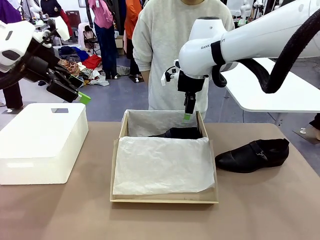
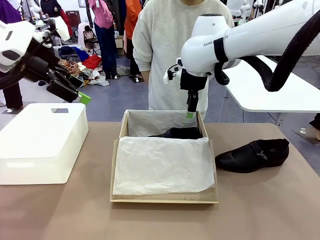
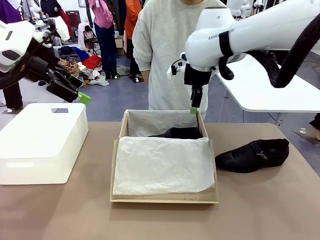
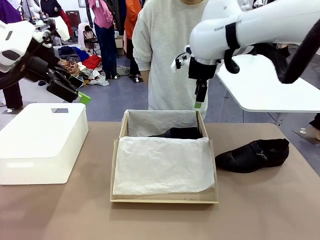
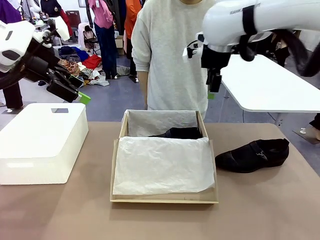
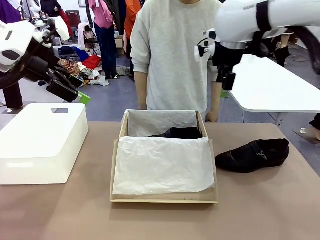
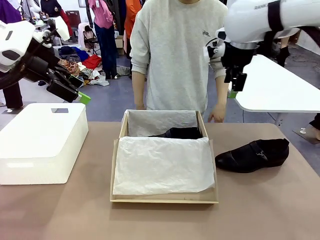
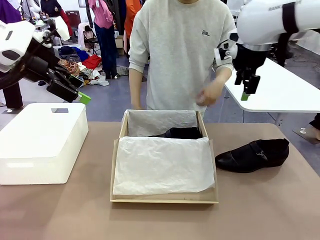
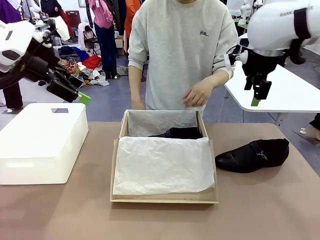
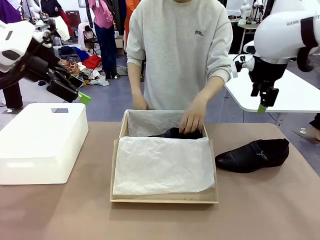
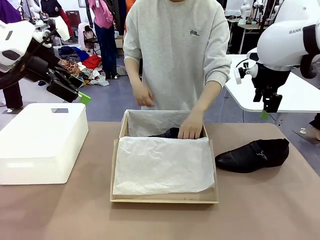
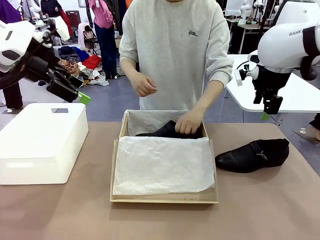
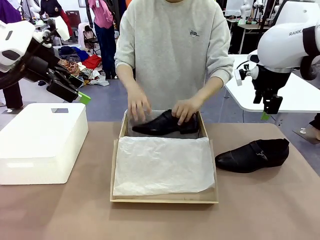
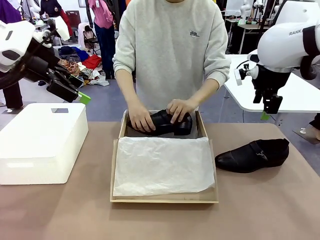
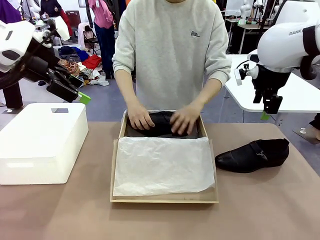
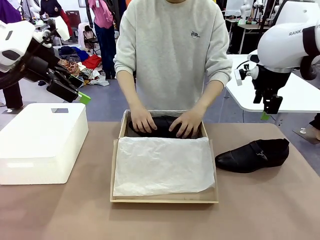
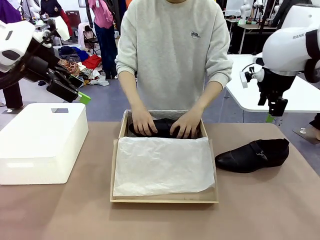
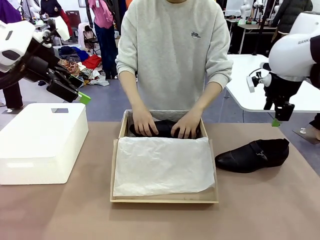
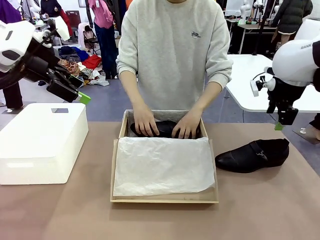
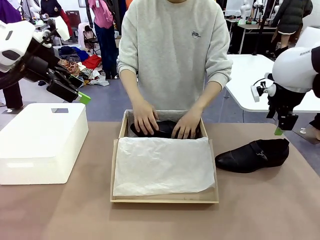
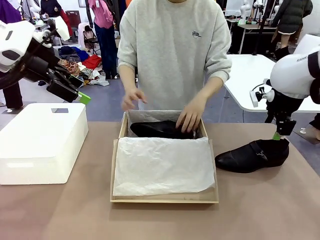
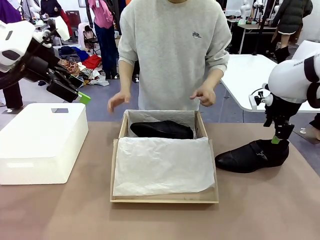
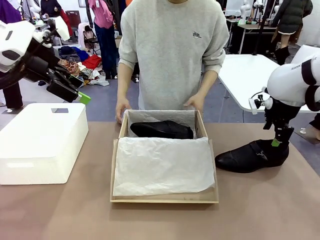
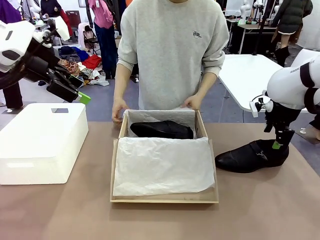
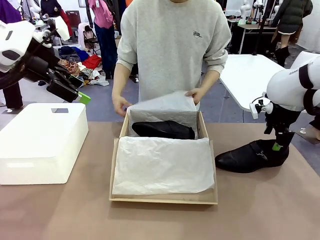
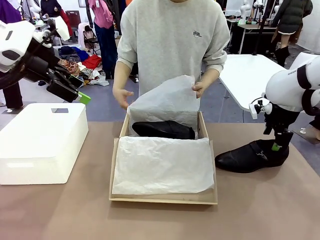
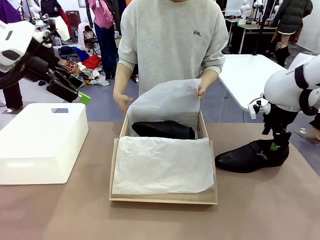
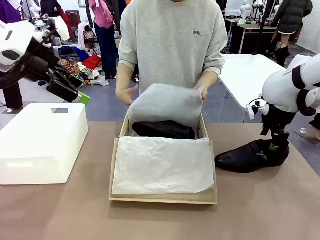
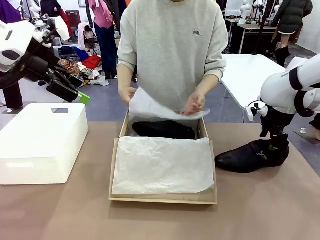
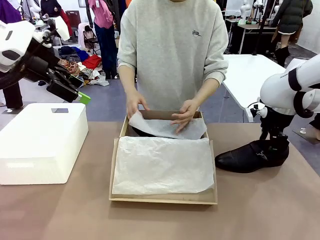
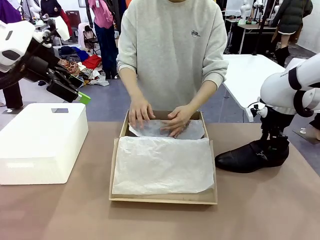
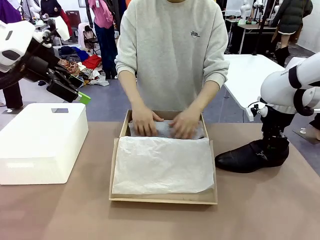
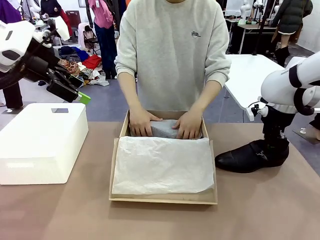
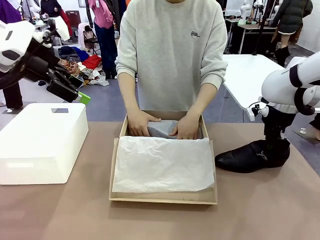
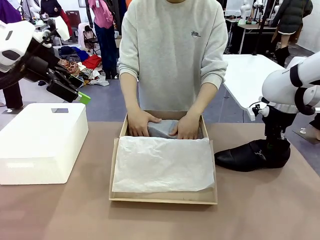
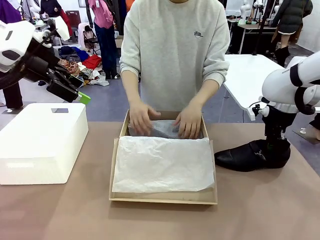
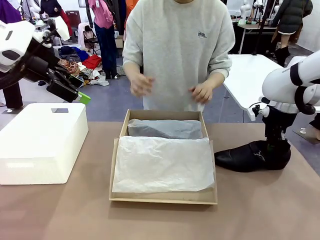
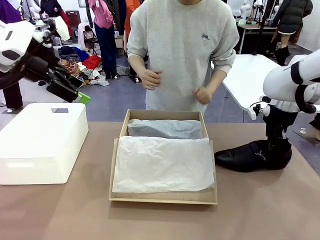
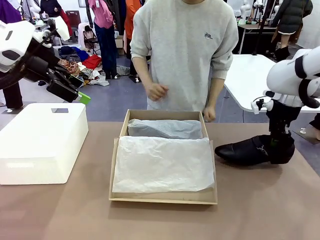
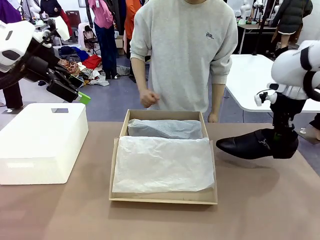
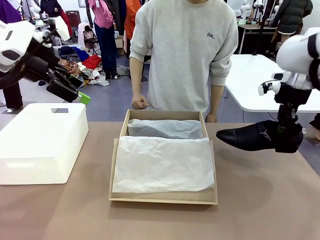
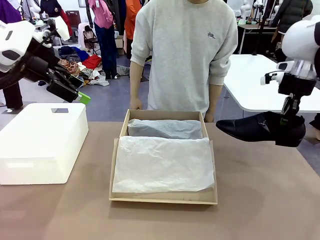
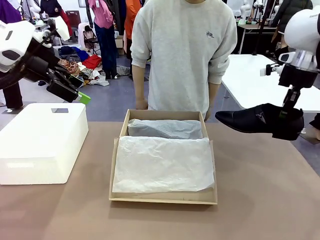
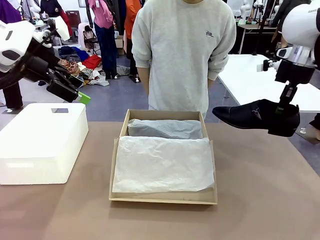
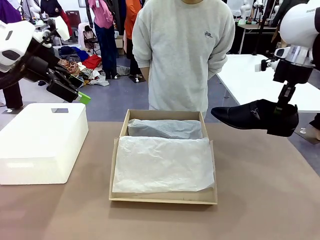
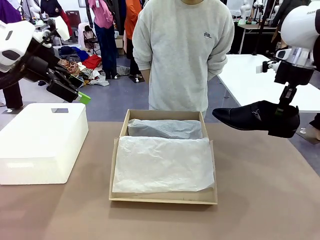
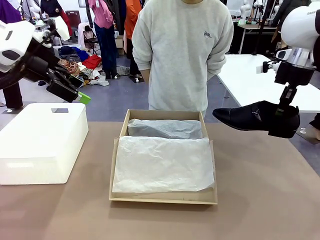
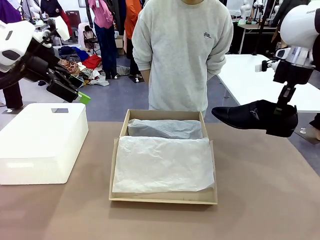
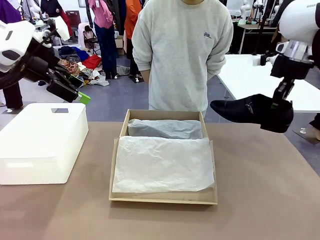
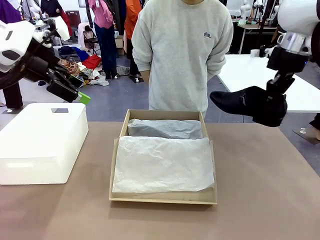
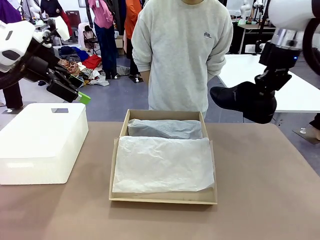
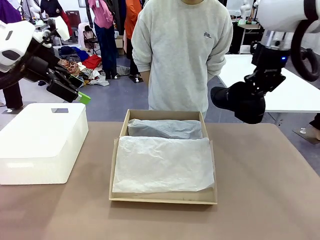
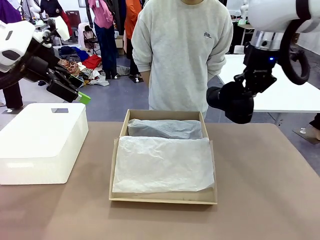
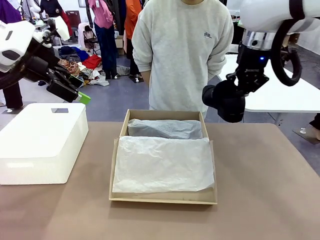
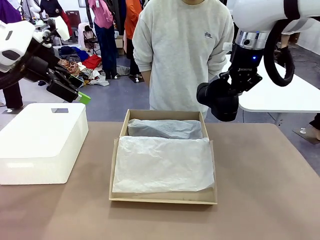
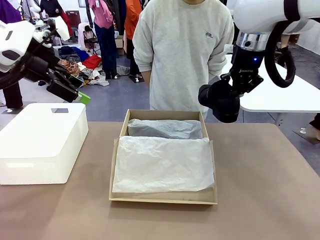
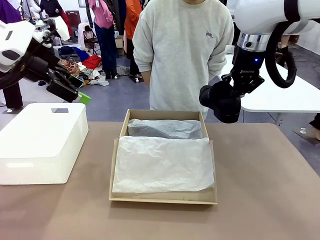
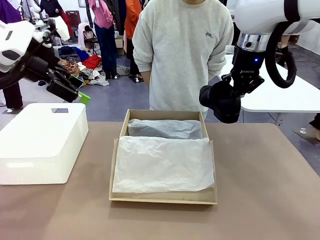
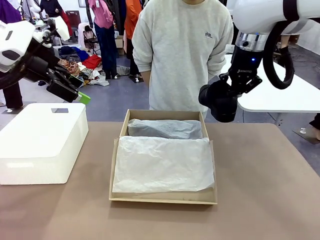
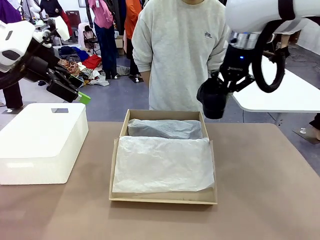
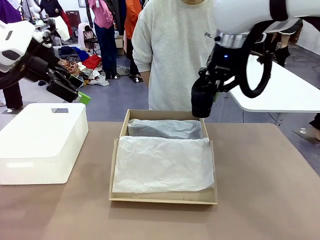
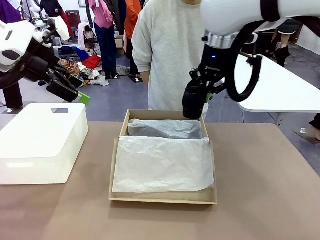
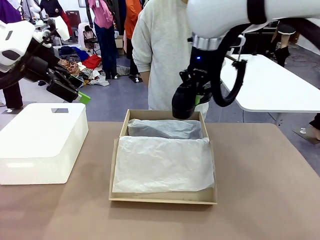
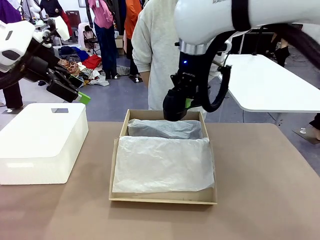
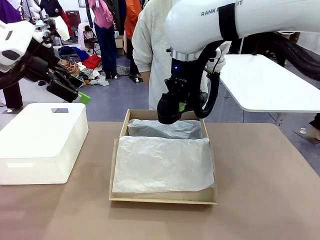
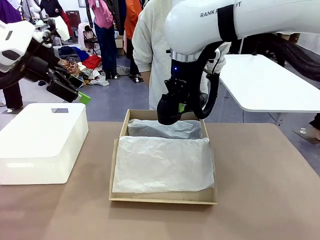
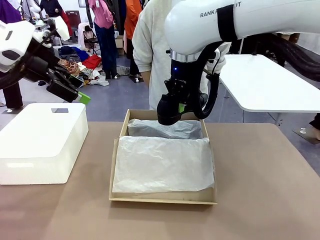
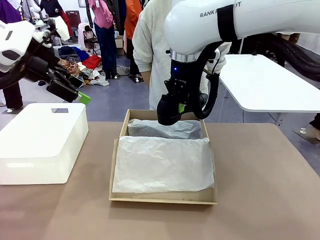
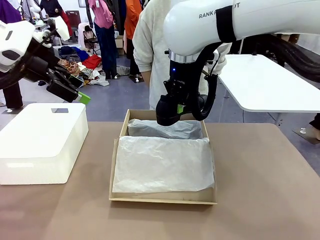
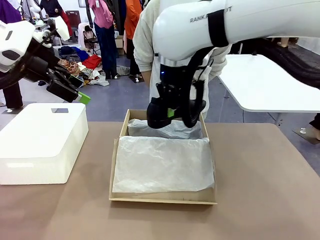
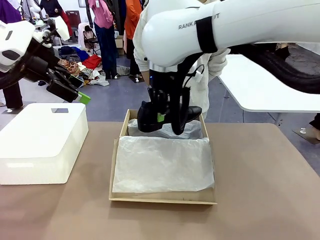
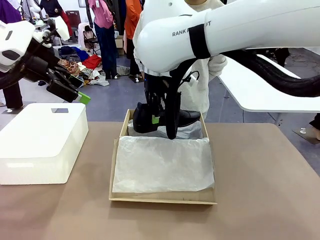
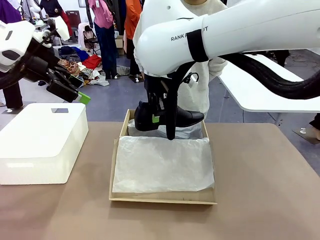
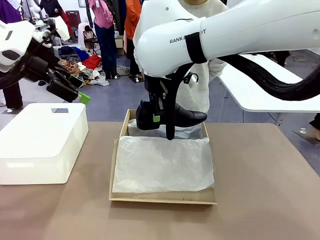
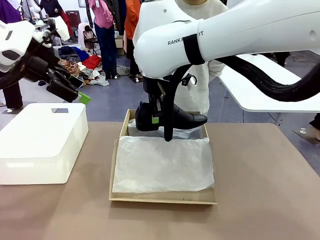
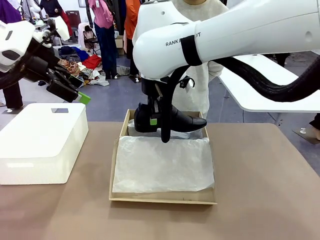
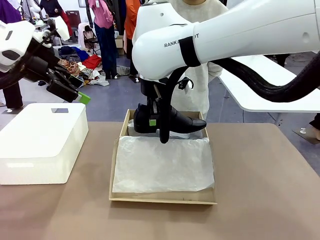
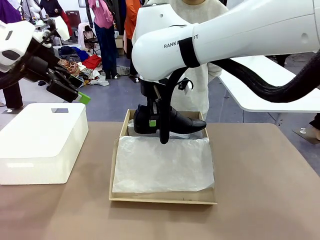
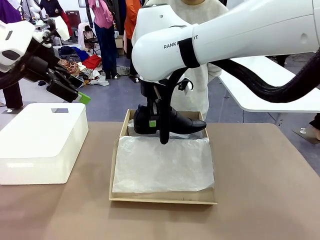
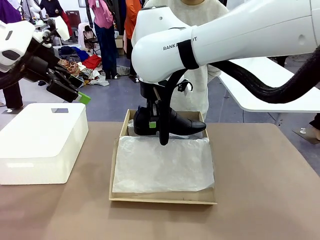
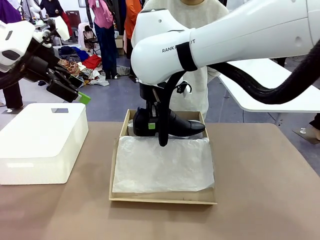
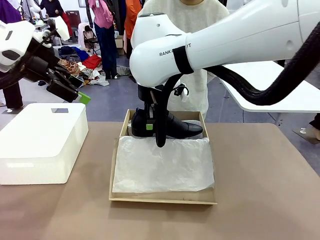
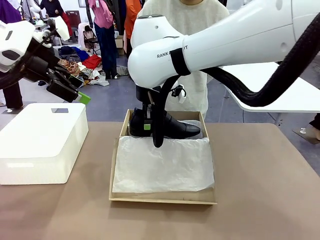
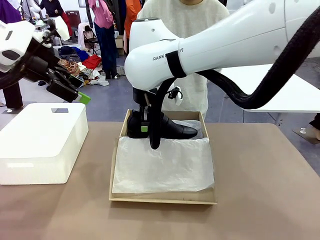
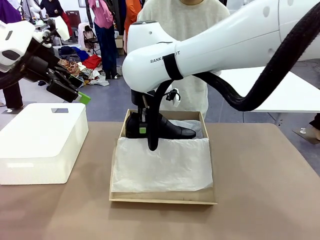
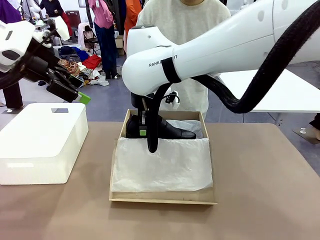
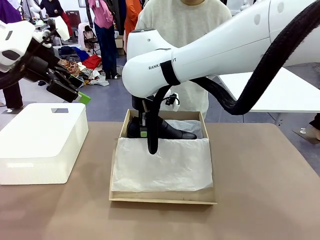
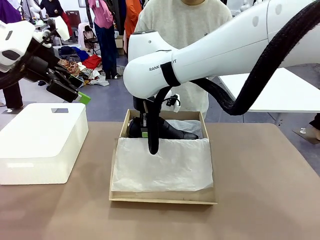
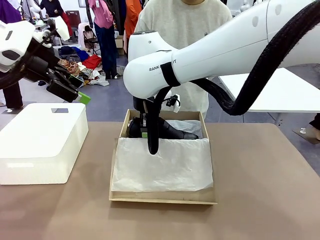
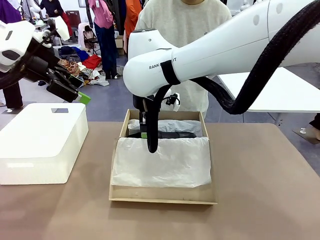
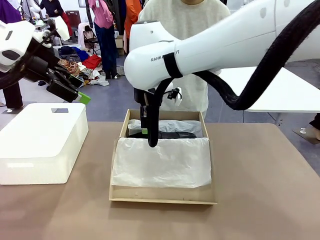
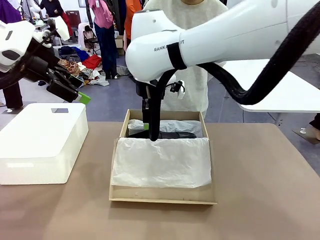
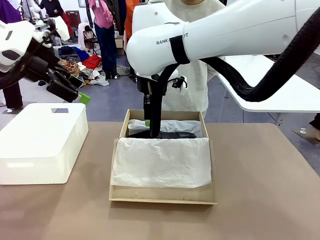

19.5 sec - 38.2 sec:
Task: Pack the shoes into the box.
Robot: Place the other shoe of the Shoes into the Shoes Box.
Person: Pack a shoe of Shoes inside the Shoes Box with Shoes Wrapping Paper.
